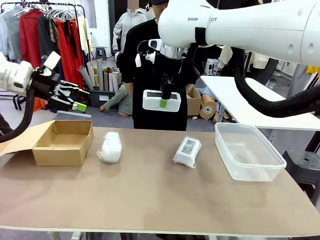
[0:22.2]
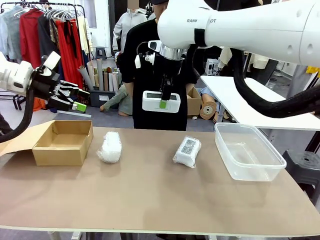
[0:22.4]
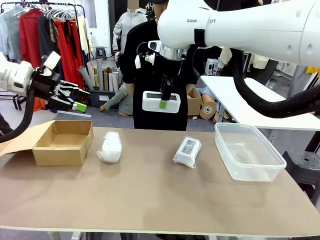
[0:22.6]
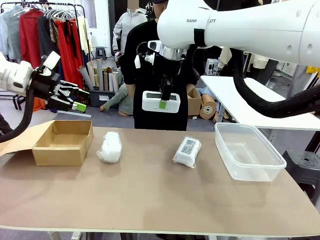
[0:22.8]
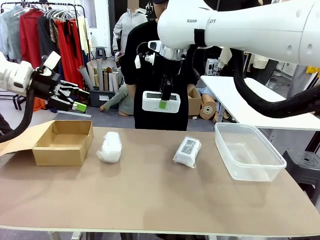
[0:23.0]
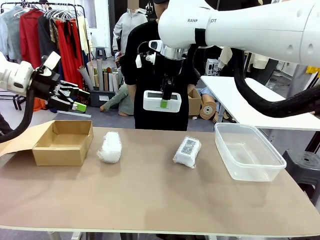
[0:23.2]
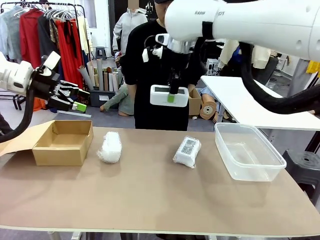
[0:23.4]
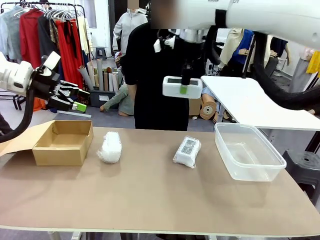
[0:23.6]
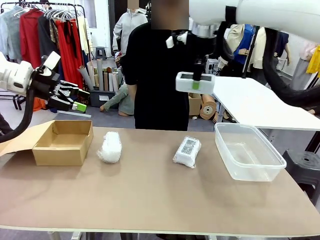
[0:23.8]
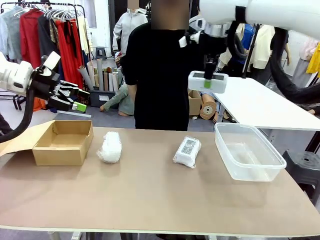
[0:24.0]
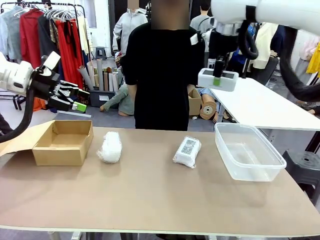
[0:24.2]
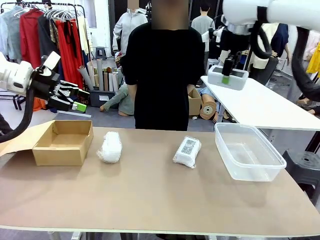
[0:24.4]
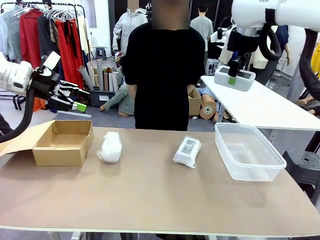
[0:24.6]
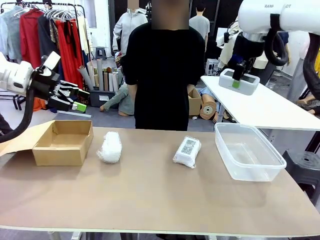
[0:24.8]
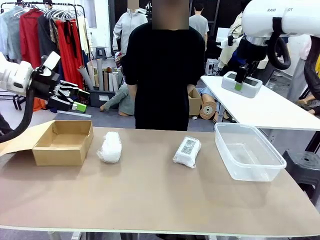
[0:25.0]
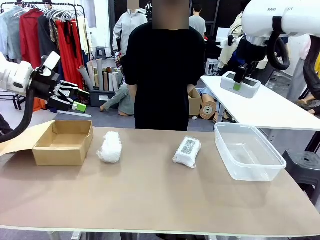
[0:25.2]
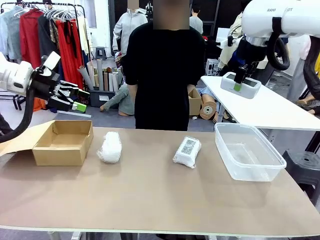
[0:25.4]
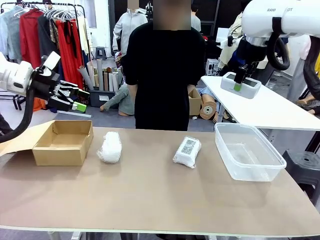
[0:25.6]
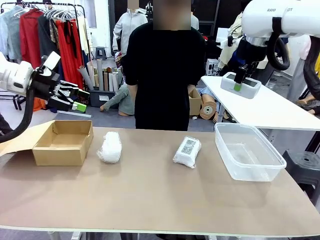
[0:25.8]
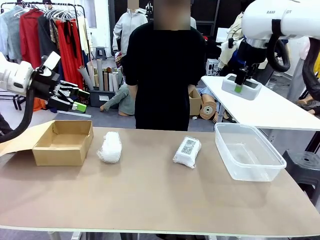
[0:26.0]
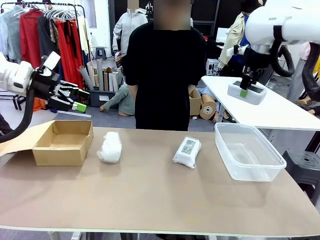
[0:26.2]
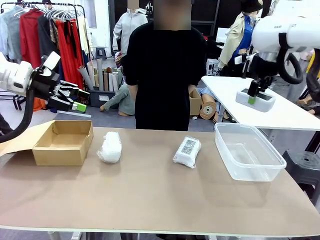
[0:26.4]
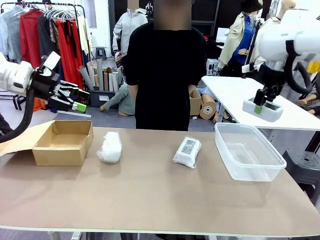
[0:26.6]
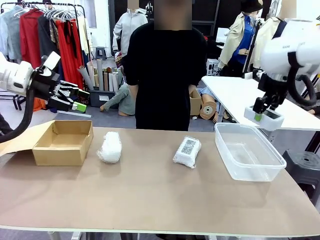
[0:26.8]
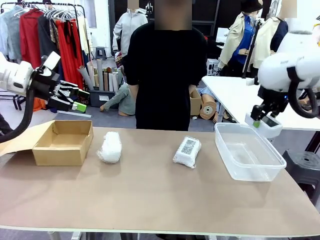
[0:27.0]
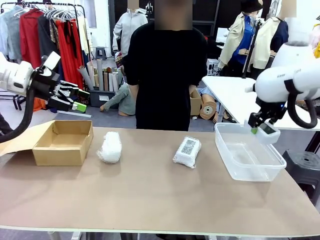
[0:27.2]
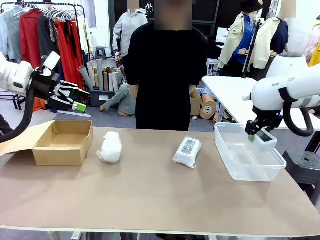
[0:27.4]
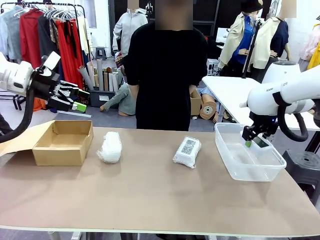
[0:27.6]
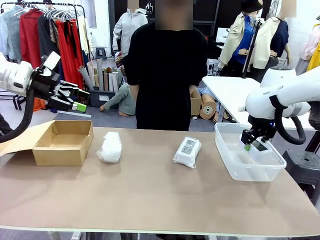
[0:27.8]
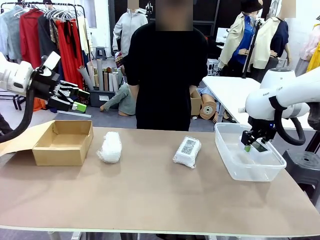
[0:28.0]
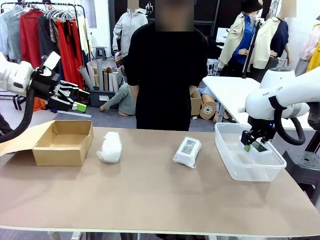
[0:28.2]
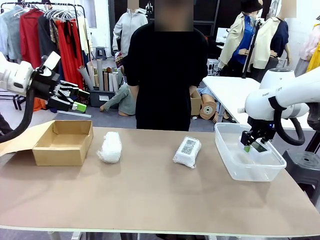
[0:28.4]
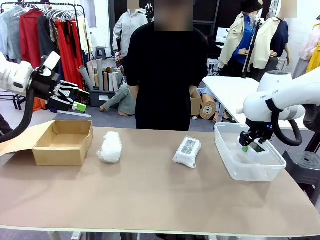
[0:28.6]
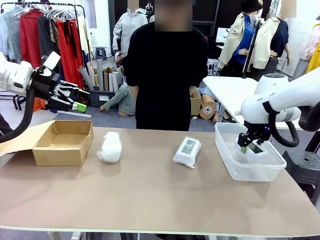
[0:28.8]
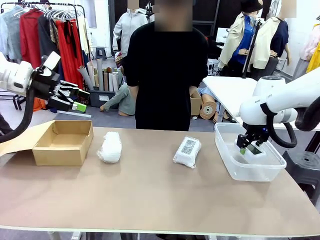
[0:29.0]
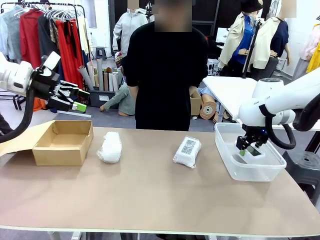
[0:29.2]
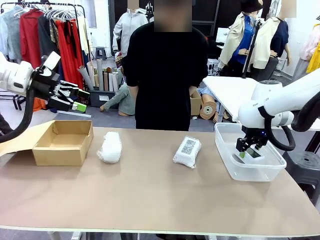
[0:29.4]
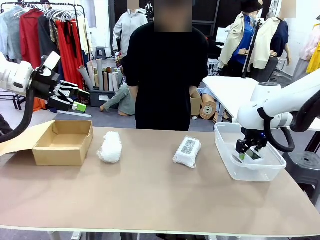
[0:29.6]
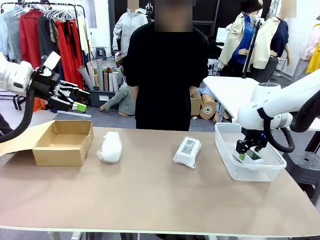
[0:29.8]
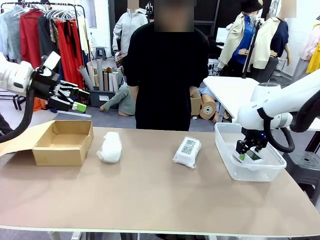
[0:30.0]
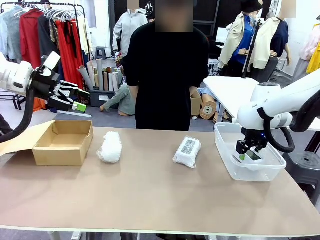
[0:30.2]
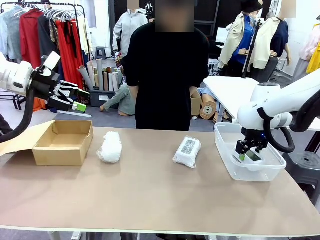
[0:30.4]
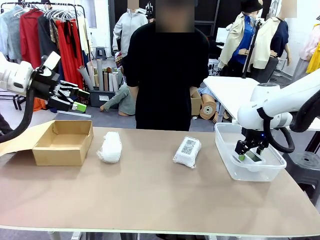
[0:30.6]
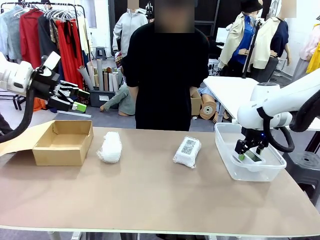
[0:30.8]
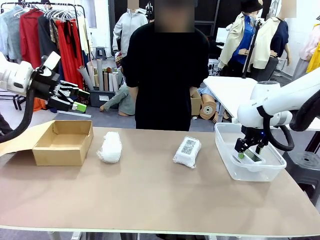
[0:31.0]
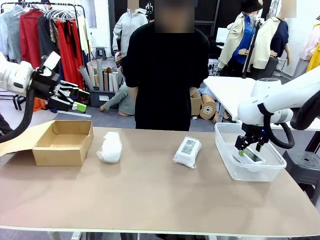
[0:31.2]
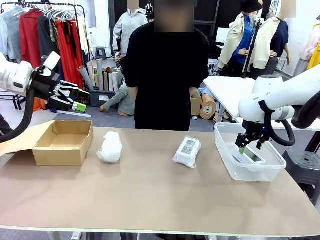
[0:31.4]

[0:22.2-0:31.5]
Task: Separate and place wrapped and unwrapped clocks.
Robot: If the picked Digital clock is wrapped, place it in the Package Box ; if not, place it in the Organizing box.

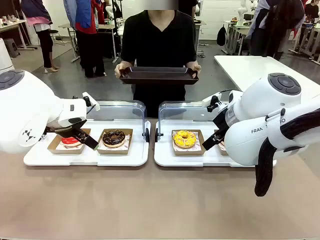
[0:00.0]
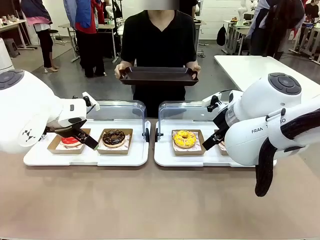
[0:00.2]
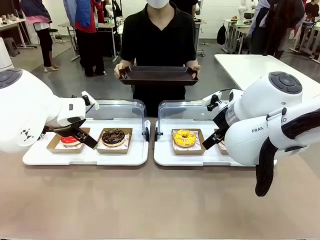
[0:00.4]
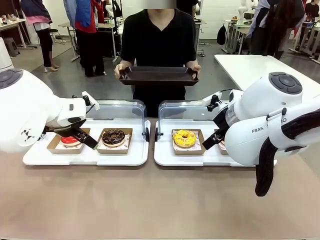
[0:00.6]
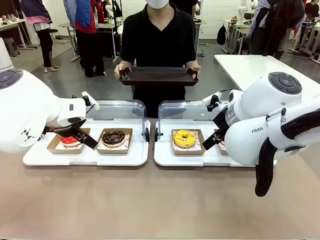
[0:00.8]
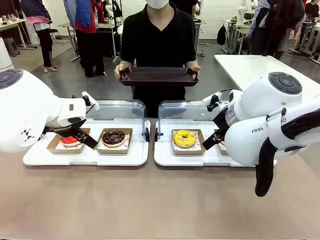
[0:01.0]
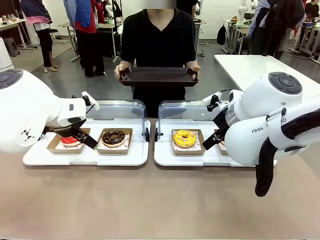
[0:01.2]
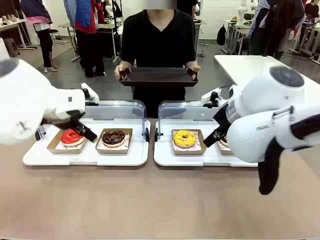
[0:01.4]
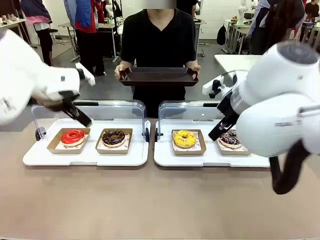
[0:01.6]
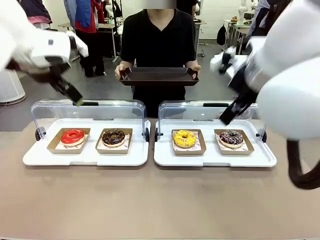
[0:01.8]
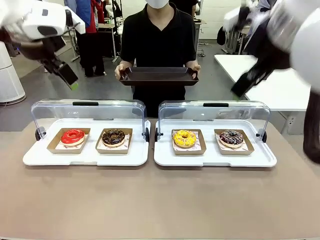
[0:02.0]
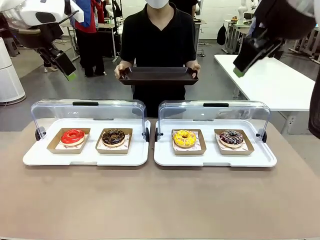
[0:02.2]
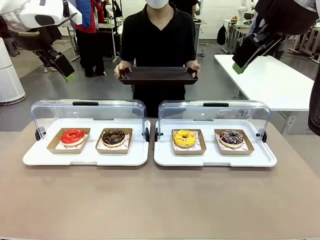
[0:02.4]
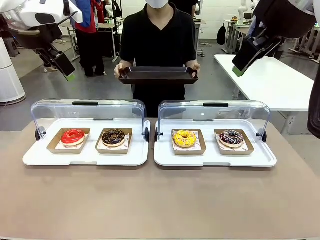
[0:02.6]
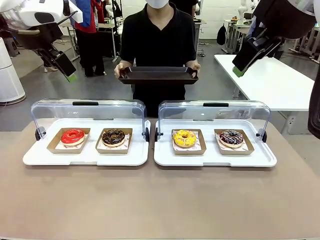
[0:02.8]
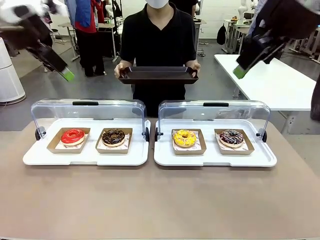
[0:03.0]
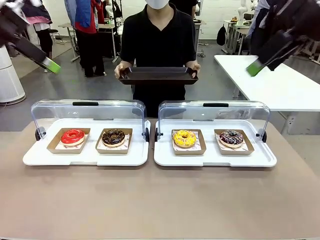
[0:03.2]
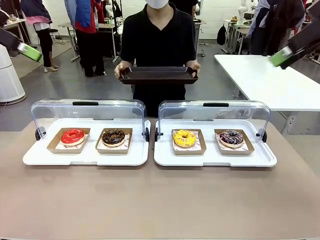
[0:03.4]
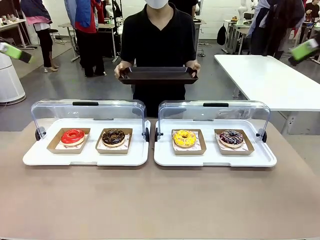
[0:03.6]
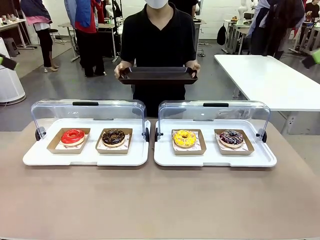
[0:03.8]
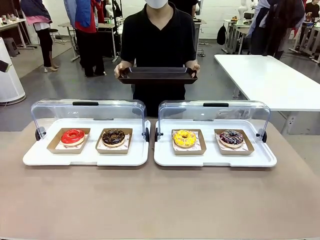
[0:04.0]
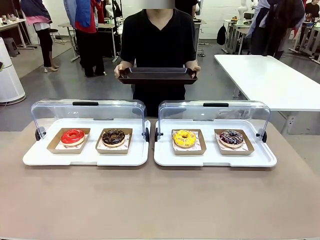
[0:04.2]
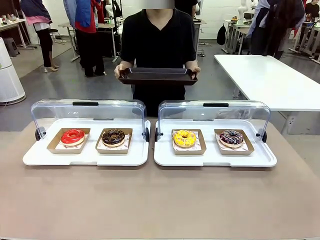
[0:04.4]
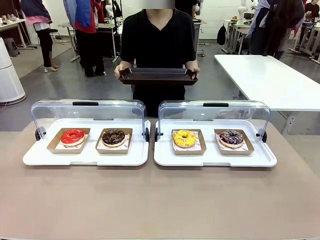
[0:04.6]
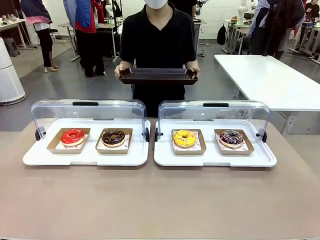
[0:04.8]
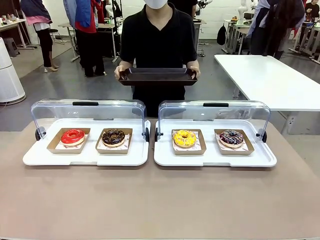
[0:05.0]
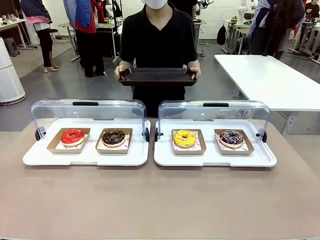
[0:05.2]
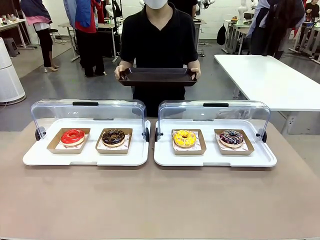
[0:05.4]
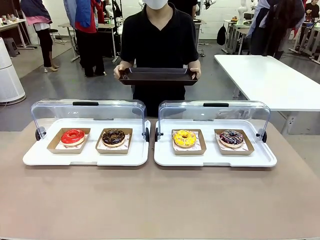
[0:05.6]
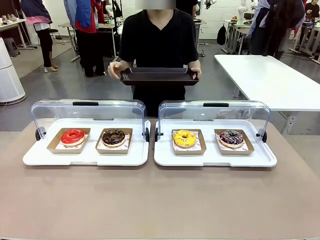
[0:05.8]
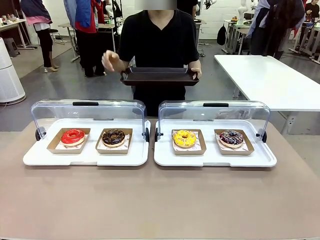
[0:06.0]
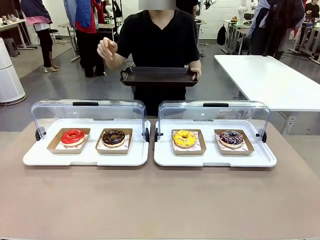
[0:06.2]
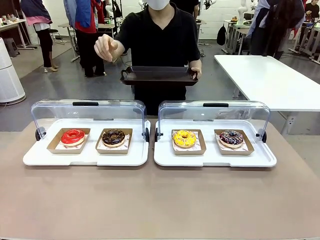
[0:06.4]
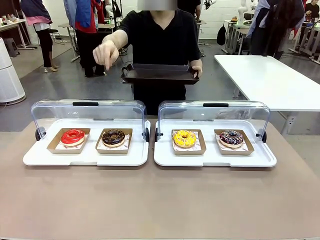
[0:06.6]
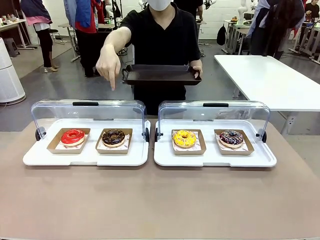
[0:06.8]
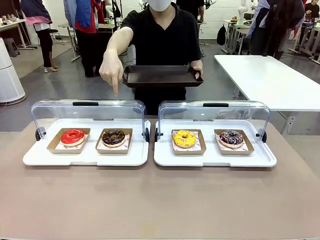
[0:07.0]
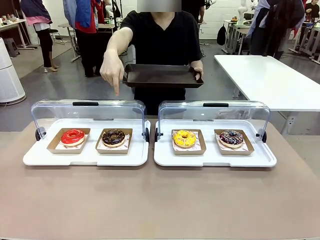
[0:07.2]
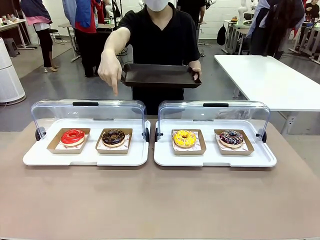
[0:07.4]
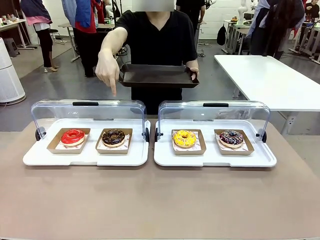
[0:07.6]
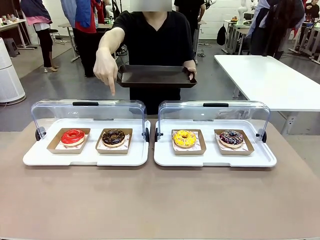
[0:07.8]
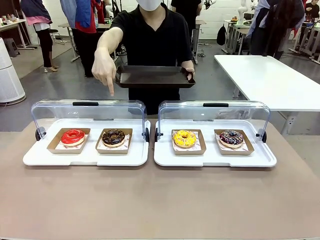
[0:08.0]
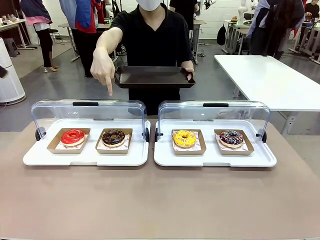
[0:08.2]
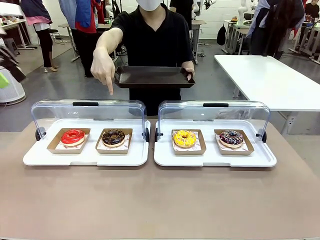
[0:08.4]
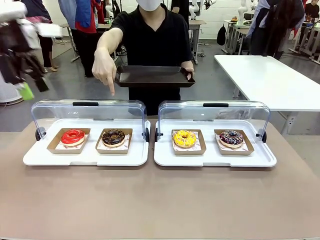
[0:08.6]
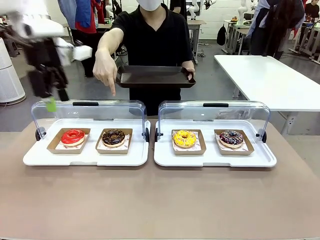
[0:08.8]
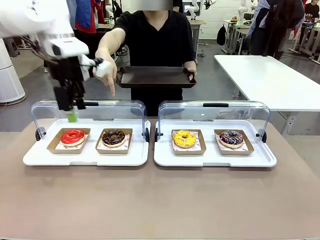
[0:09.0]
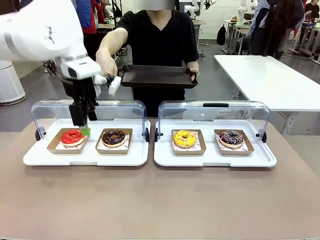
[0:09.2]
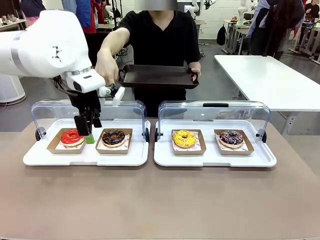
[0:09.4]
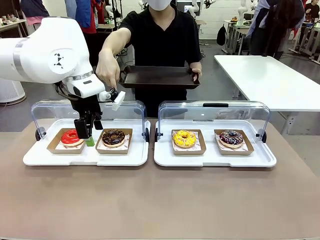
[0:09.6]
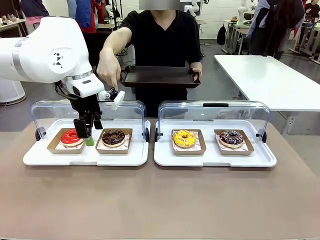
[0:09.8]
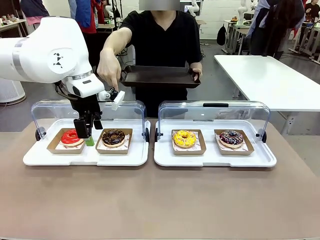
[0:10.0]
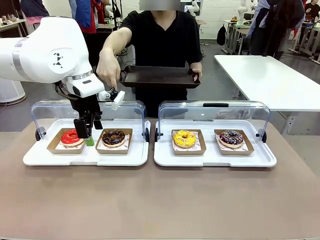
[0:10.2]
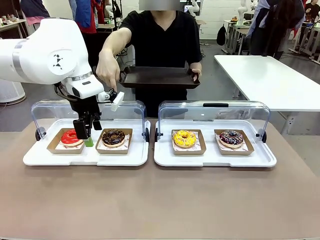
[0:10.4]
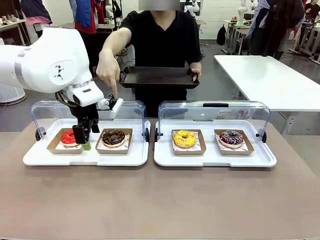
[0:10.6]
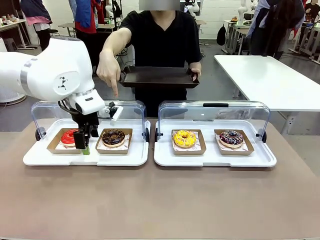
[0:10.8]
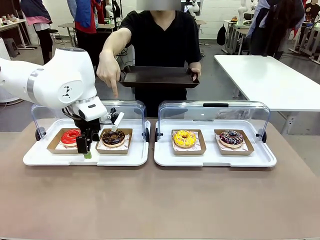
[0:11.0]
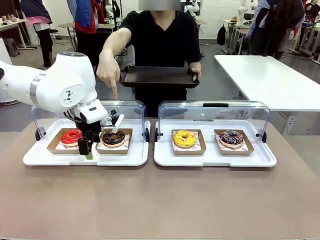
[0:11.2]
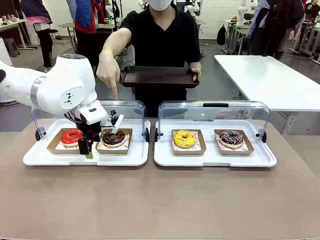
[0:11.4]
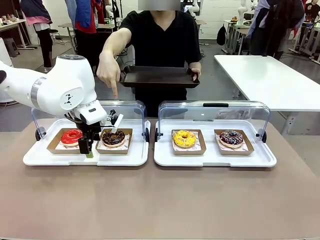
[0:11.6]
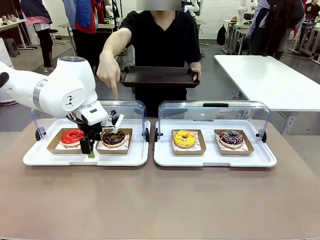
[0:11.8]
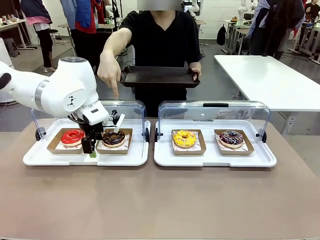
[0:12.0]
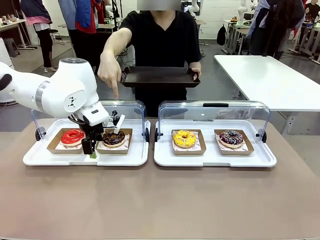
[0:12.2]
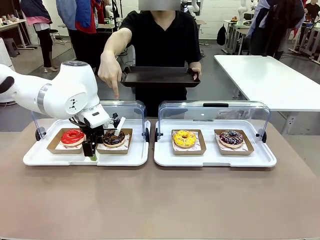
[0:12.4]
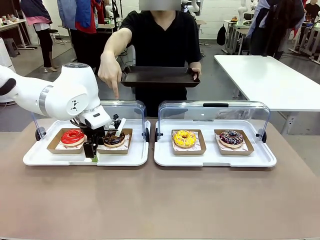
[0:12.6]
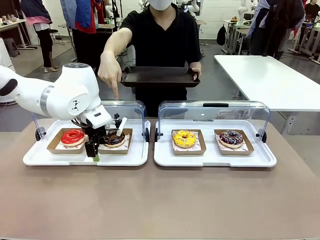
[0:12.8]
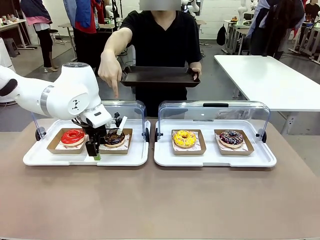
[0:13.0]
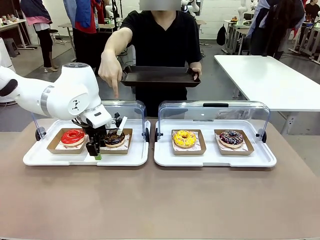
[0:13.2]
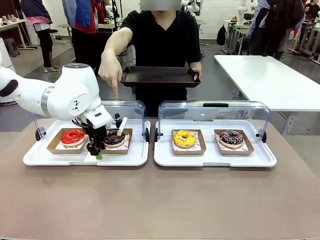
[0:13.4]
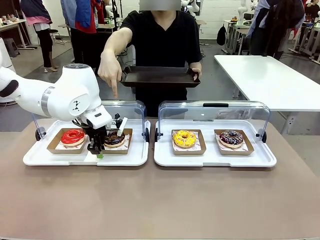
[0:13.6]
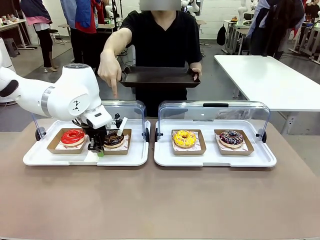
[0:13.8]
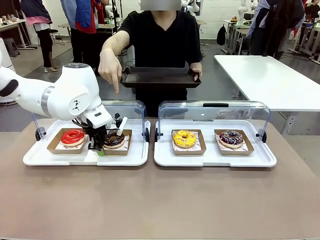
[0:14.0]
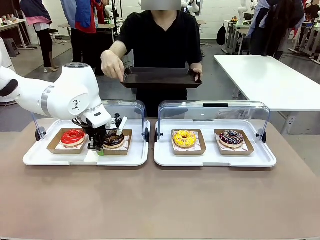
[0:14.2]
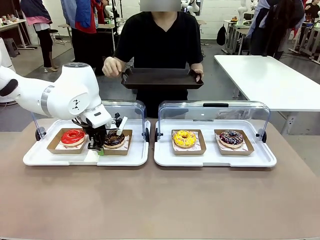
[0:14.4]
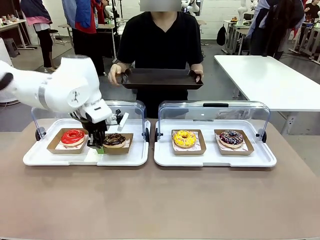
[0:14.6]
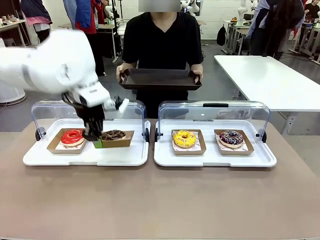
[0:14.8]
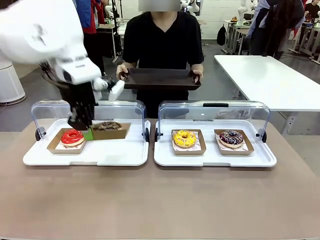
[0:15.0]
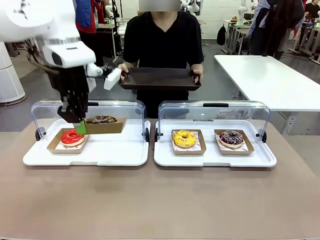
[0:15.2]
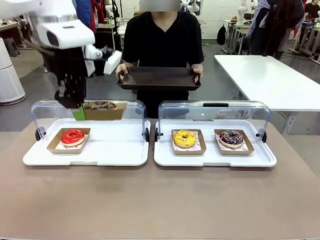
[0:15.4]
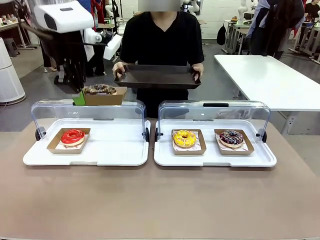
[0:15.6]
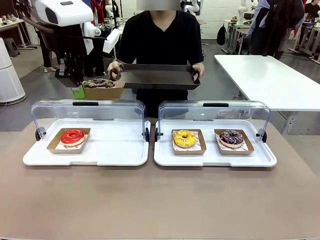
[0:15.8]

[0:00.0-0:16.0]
Task: Provide the desired donut to the person.
Robot: Pick up and lift the Paper togo box containing the Donut pointed at by the person.
Person: Point to one donut. Lift the tray onto the Roll-Top Bakery Case.
